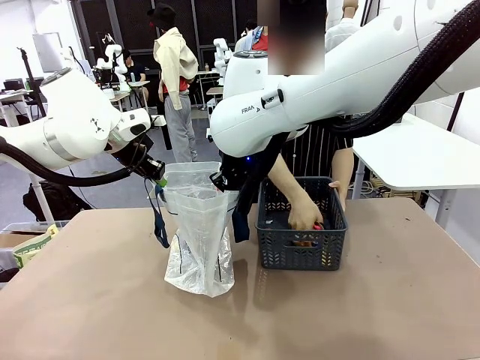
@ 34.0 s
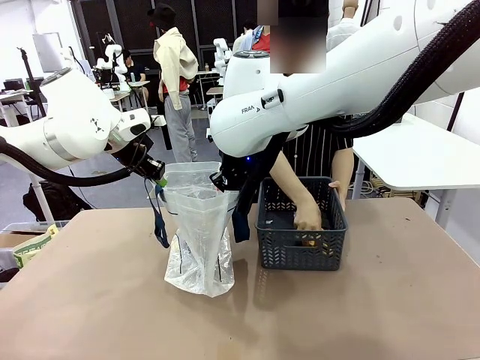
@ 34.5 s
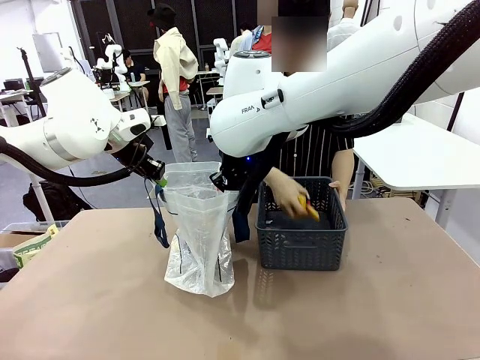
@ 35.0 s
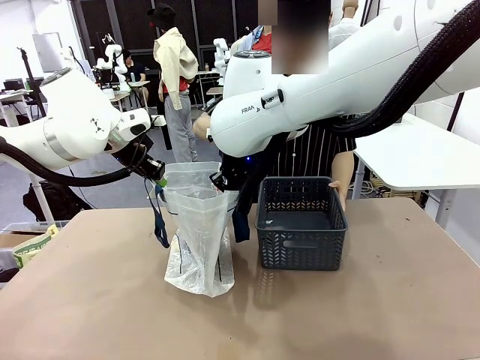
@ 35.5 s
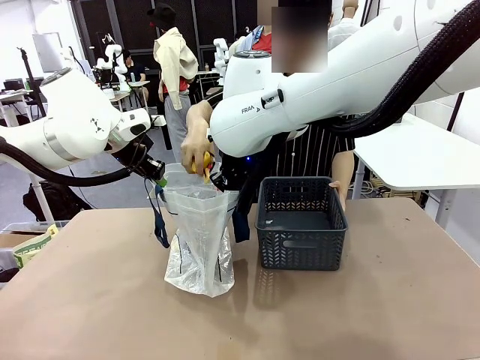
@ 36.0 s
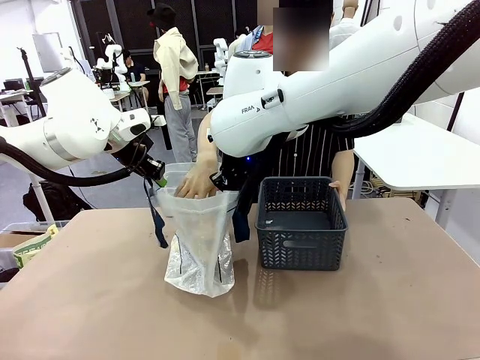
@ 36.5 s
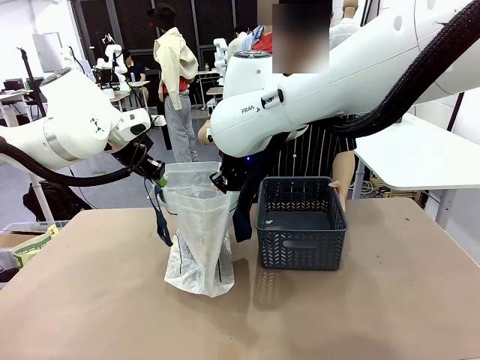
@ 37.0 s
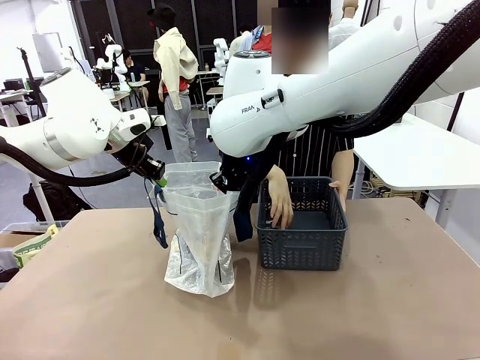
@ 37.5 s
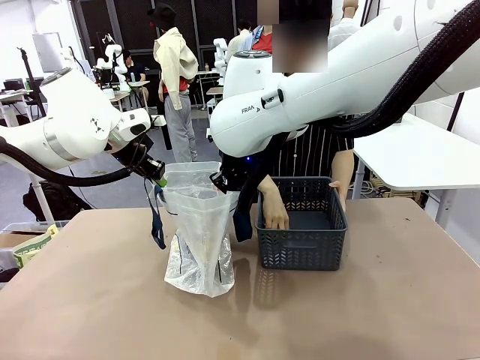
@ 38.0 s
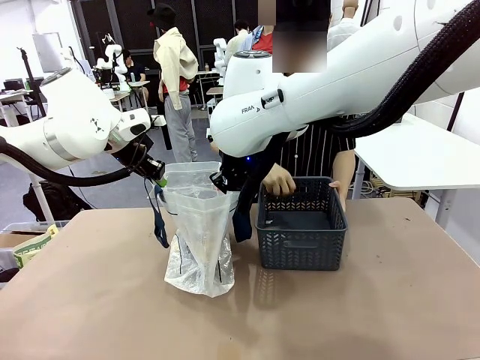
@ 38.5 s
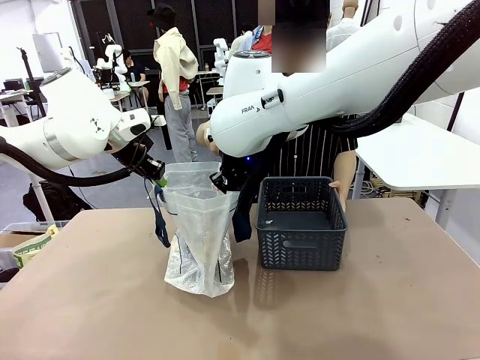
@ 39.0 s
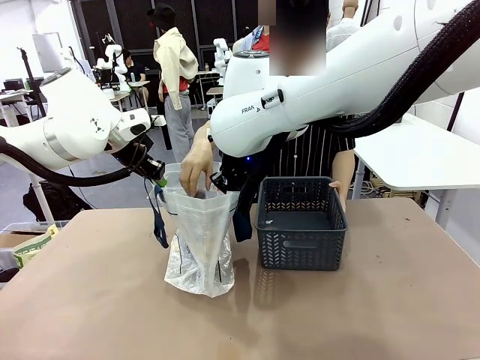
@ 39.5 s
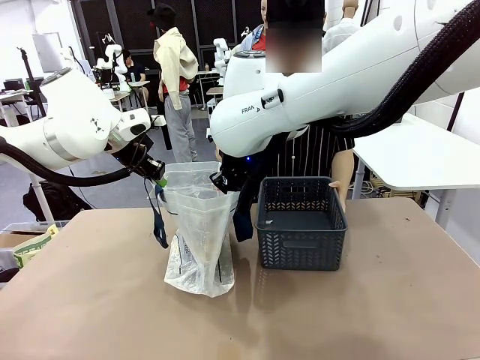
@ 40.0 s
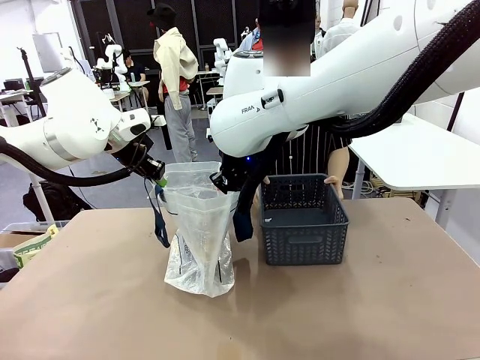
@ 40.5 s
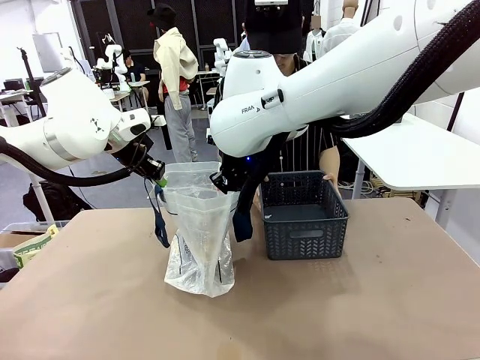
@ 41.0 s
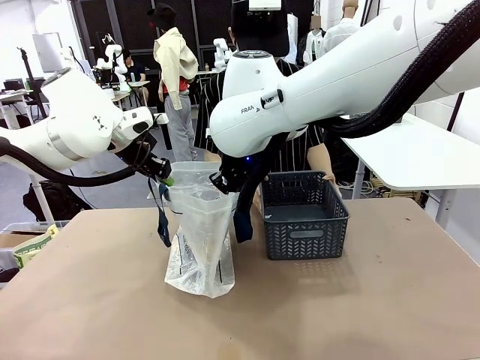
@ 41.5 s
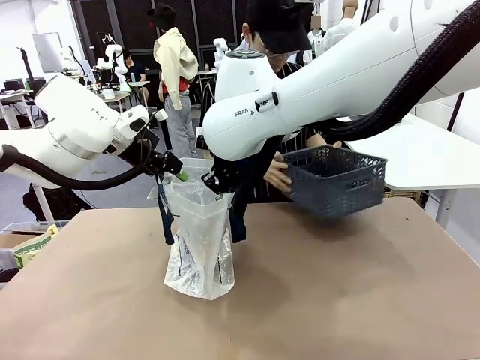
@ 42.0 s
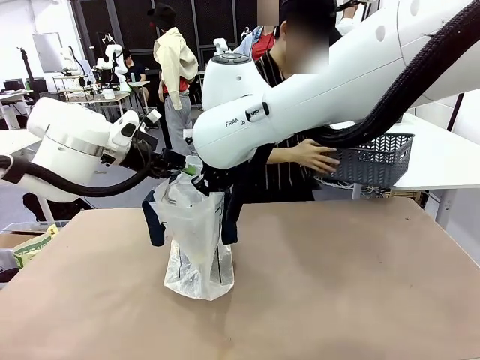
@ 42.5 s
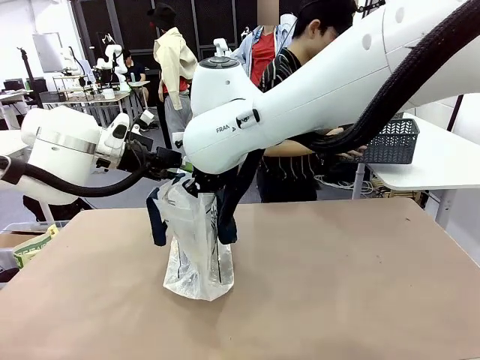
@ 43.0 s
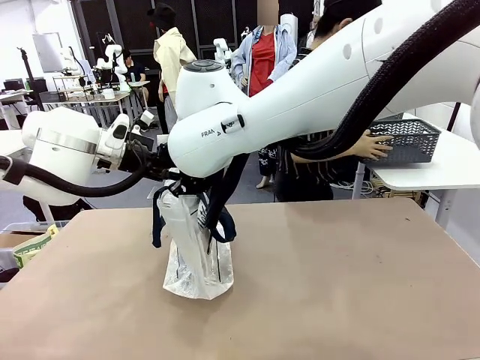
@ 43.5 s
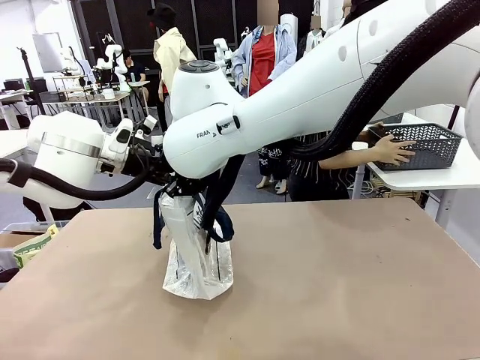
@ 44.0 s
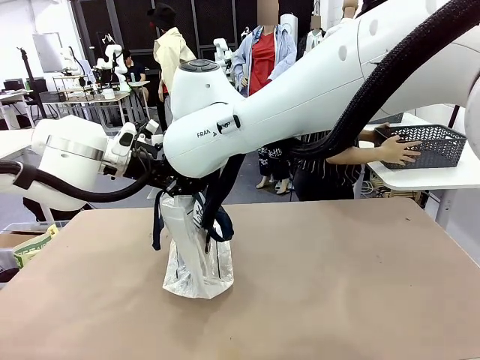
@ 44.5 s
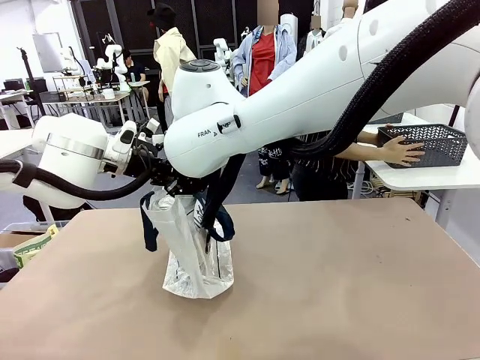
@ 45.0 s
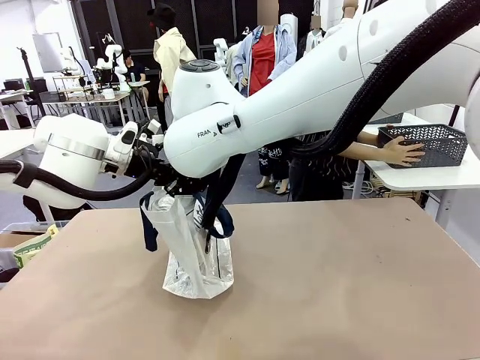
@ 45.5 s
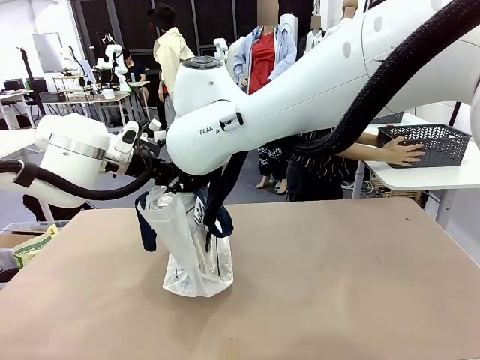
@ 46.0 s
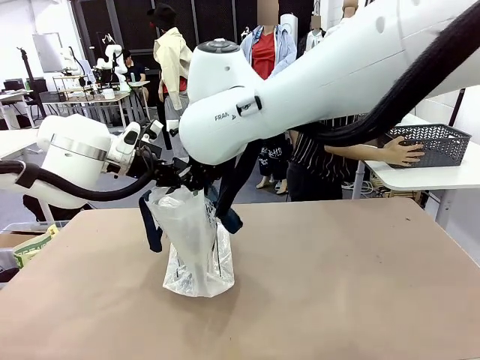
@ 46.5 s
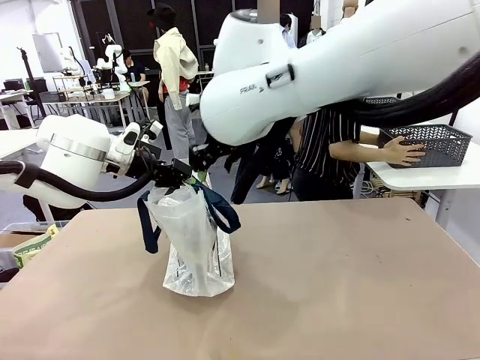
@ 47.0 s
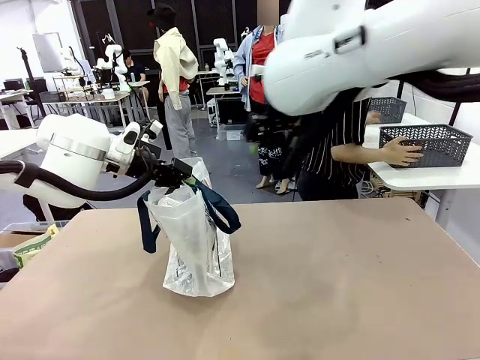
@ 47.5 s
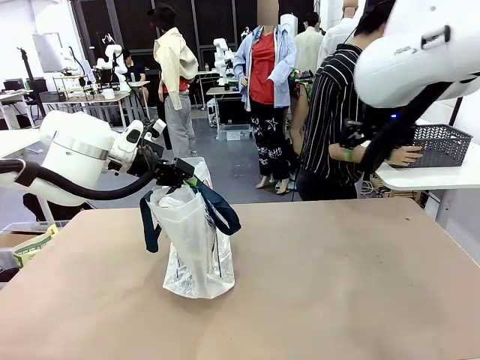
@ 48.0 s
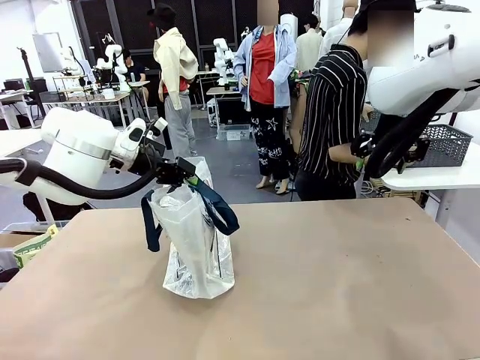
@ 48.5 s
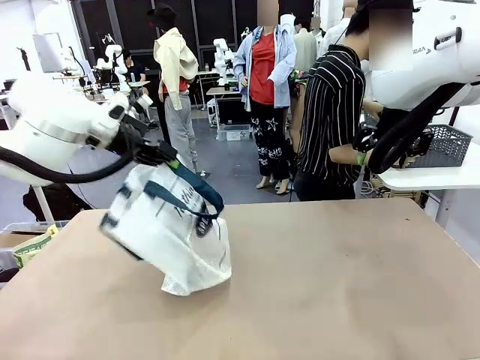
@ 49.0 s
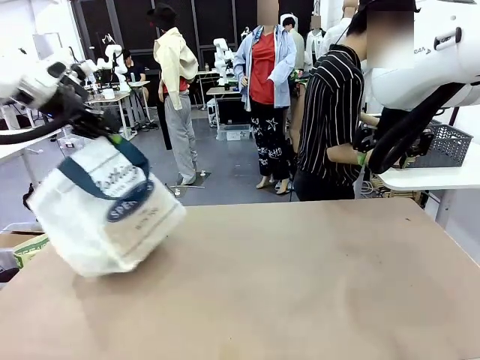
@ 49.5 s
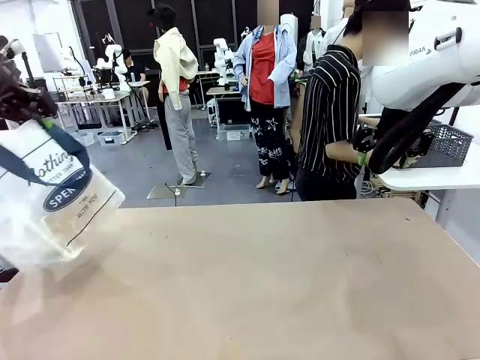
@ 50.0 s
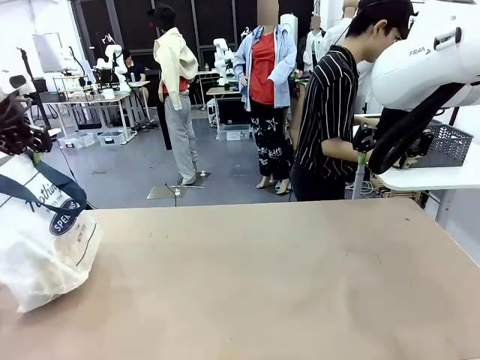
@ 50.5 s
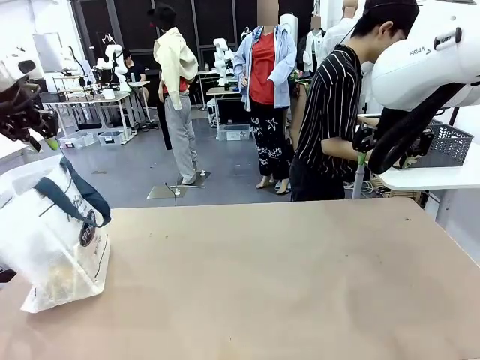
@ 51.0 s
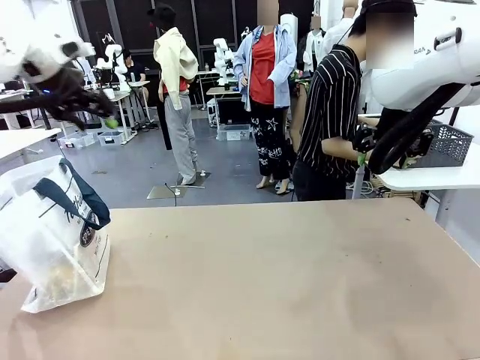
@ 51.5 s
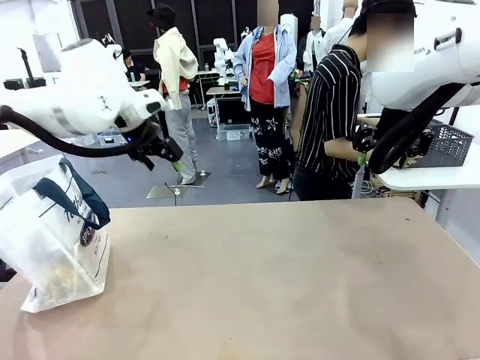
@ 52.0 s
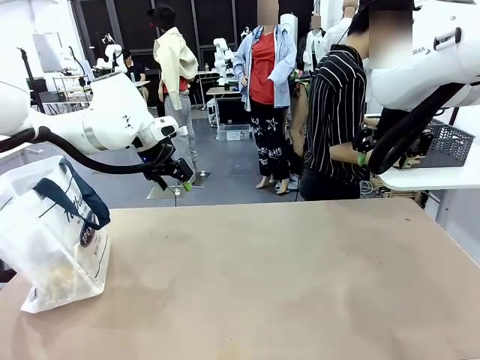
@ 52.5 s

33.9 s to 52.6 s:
Task: Transfer purchased items from the store into the shopping bag.
Robot: Move the Reusable shopping bag to the right side of the table.
Person: Move the basket on the left to the middle of the person's table.
